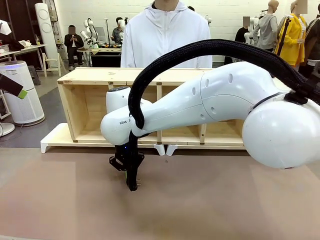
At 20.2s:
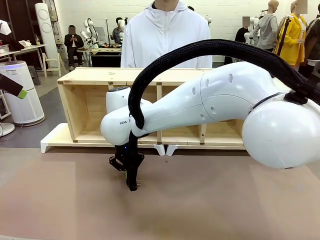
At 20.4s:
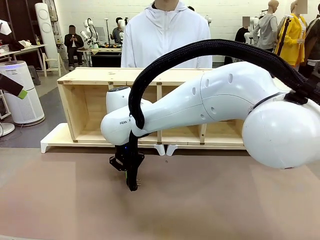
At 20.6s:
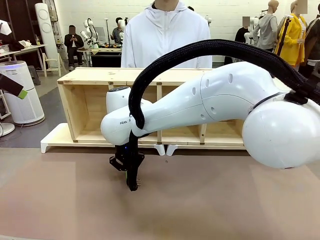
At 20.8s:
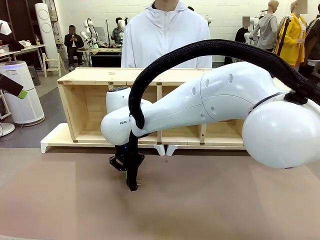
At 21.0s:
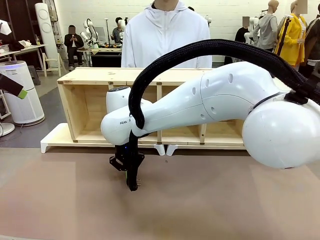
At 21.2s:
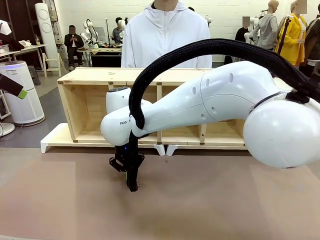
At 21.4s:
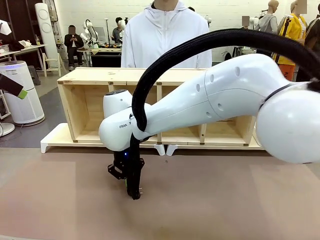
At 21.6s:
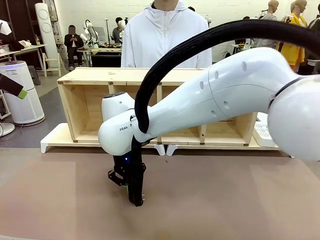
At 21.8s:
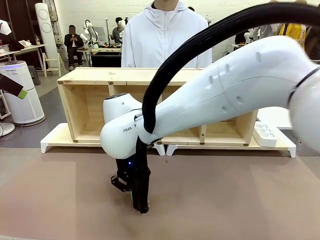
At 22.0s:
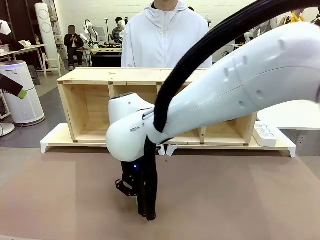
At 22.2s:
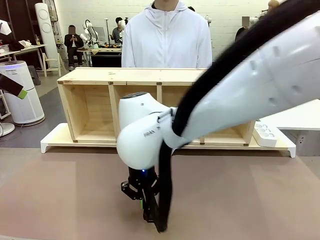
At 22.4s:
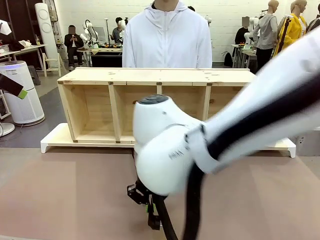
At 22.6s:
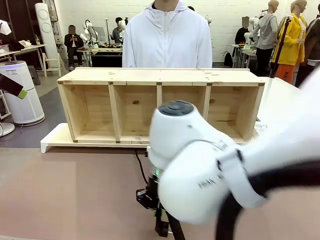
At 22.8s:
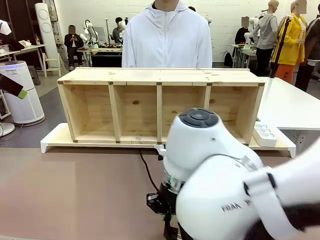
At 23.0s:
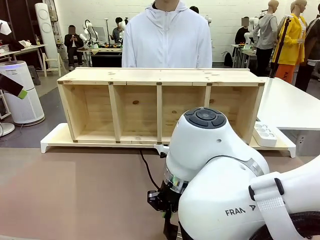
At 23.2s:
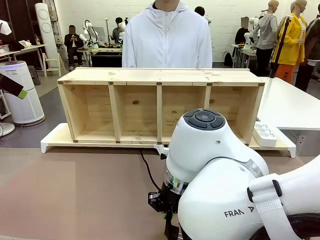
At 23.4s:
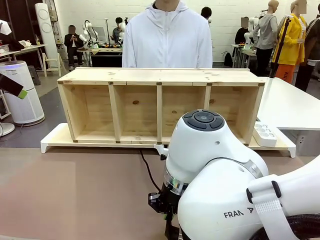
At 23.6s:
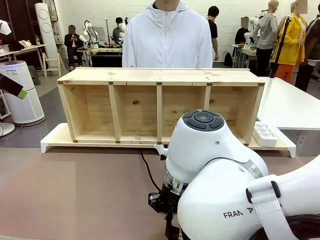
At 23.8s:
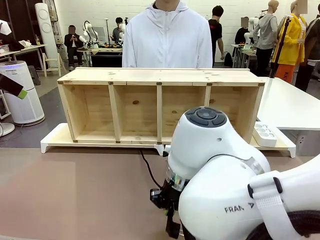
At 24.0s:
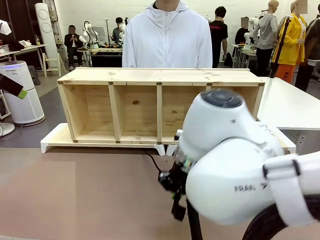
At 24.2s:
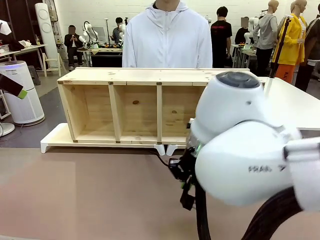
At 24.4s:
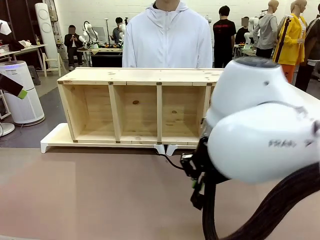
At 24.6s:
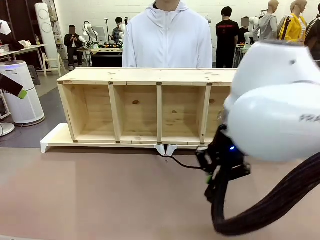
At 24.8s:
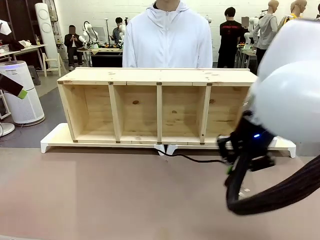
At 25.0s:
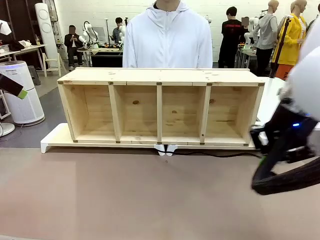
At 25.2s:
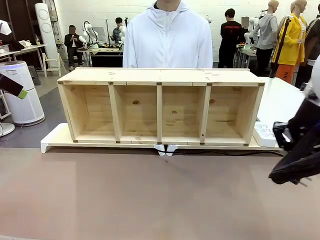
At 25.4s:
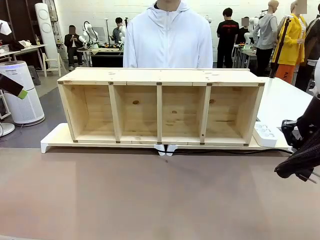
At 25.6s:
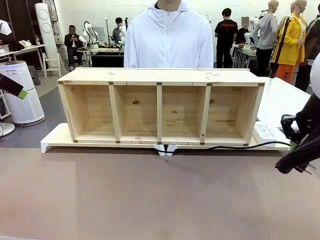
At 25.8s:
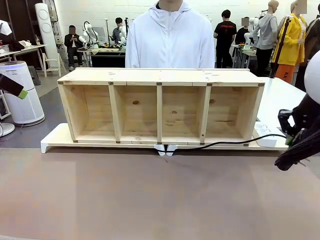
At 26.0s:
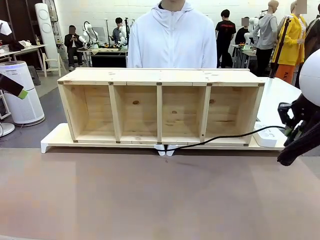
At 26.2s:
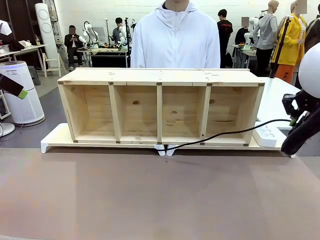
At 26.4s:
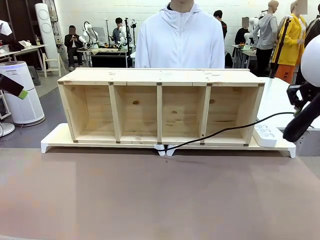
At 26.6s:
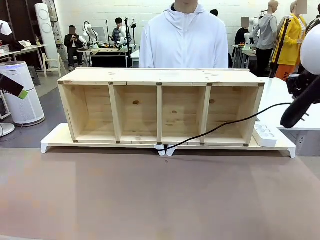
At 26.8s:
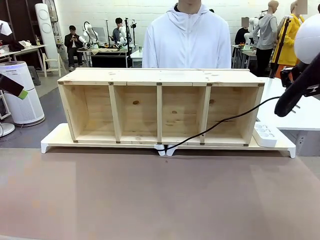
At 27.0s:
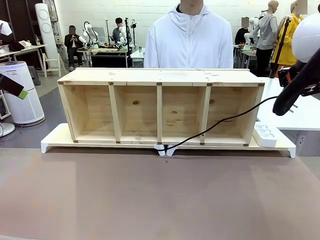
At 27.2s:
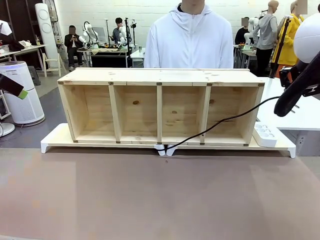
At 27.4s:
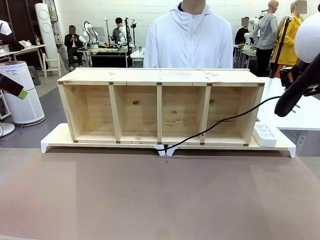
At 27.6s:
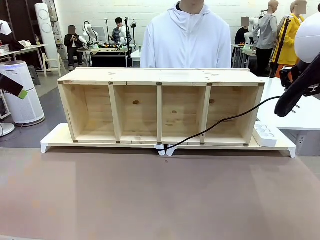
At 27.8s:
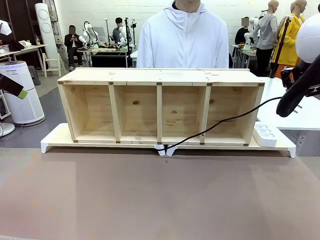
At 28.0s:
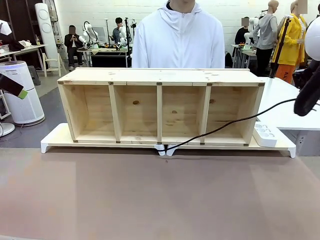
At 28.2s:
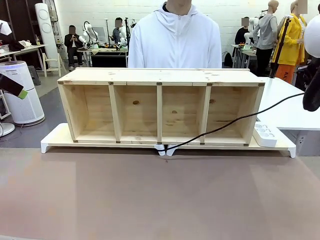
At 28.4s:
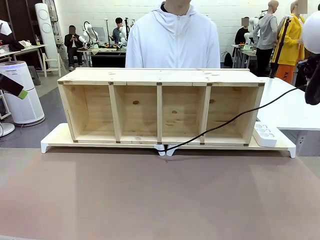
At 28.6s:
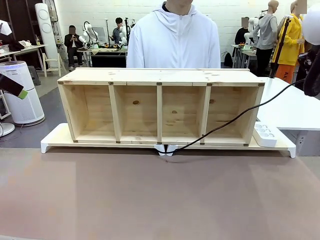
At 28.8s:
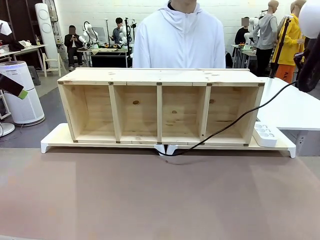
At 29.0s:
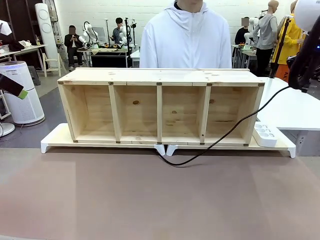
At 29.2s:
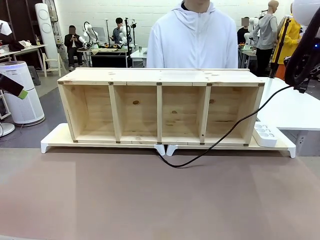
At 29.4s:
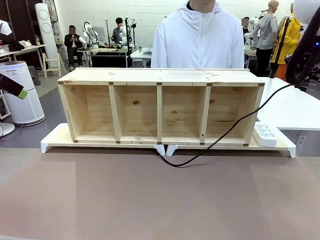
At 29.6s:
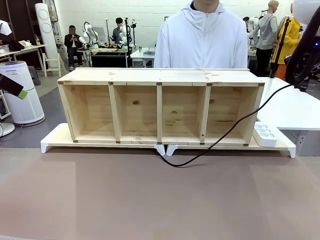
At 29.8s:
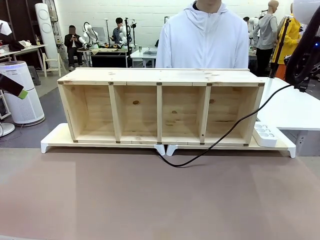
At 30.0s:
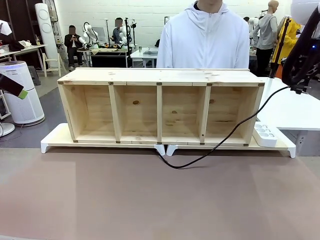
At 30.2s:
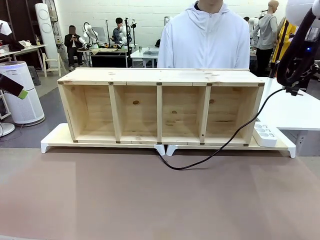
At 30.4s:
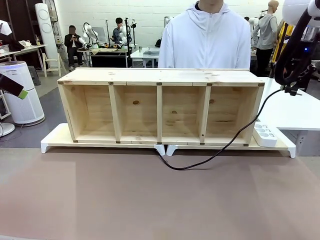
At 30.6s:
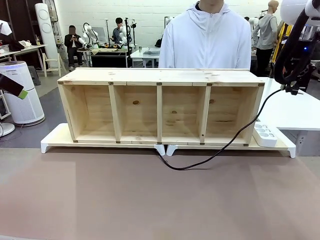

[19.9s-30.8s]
Task: Perform cable management.
Robot: Pull the grasped Power Cable to the location of the Power Strip.

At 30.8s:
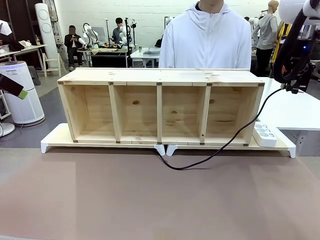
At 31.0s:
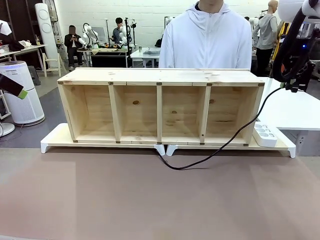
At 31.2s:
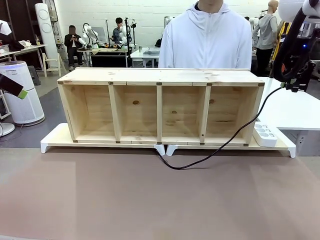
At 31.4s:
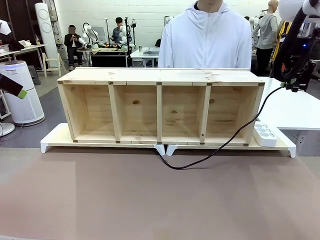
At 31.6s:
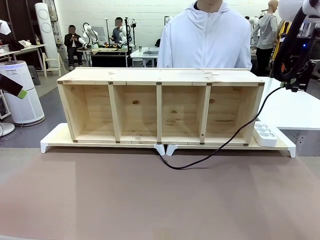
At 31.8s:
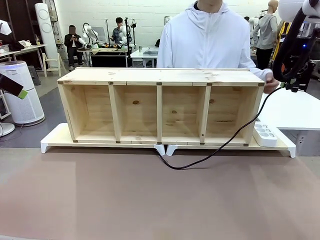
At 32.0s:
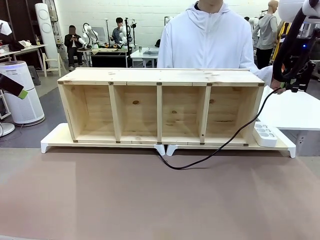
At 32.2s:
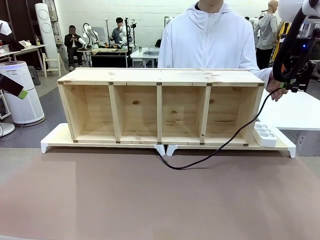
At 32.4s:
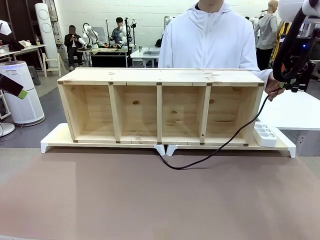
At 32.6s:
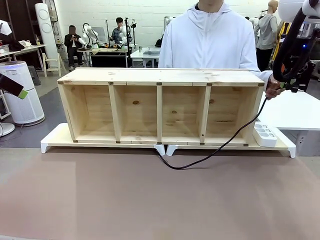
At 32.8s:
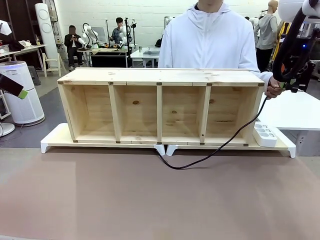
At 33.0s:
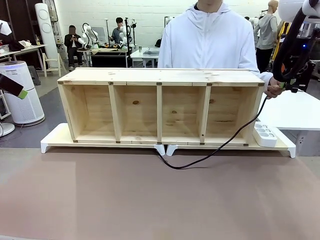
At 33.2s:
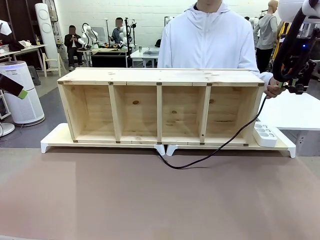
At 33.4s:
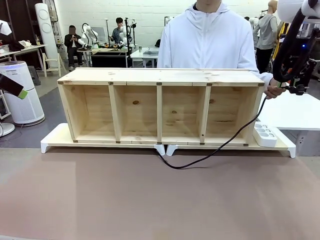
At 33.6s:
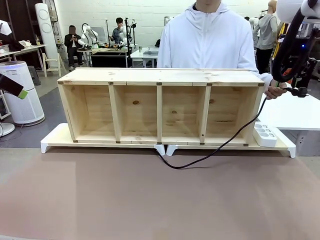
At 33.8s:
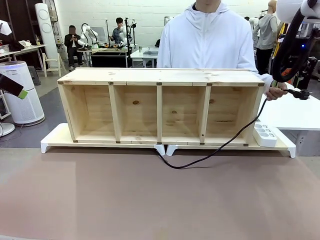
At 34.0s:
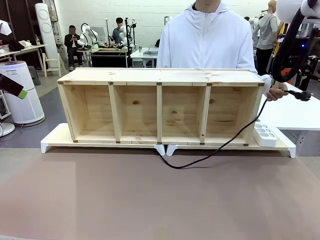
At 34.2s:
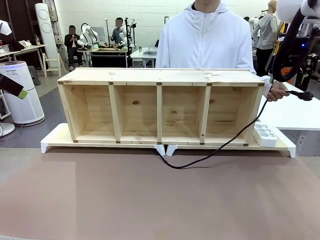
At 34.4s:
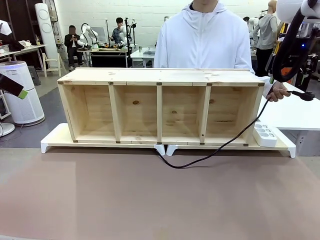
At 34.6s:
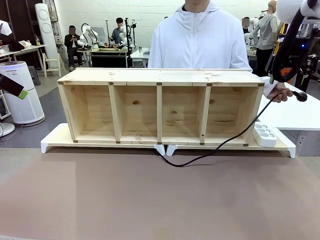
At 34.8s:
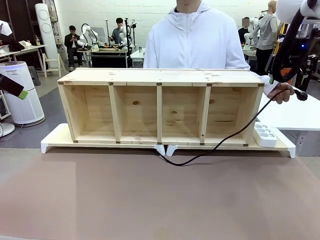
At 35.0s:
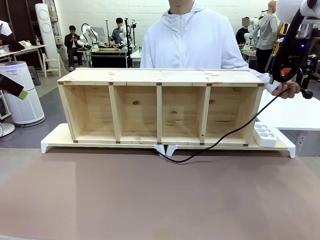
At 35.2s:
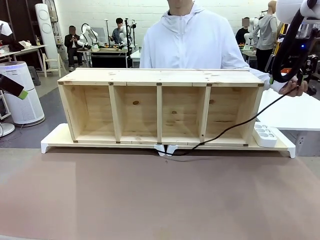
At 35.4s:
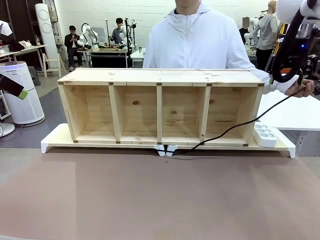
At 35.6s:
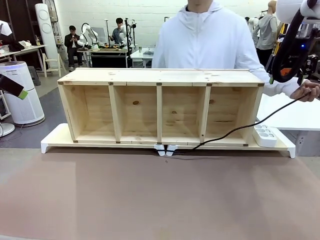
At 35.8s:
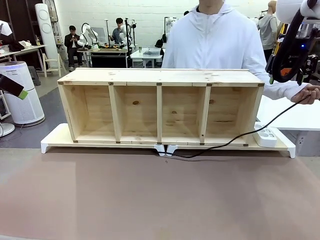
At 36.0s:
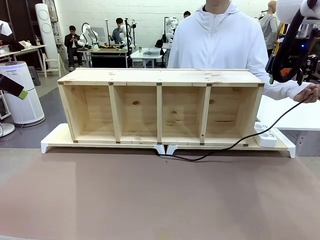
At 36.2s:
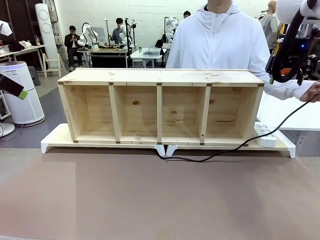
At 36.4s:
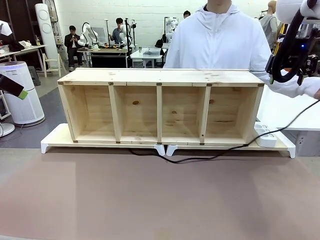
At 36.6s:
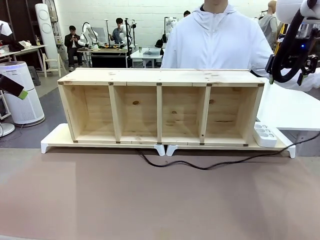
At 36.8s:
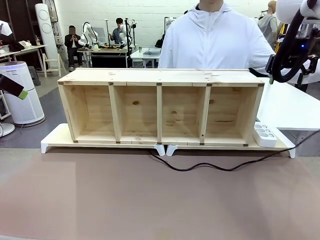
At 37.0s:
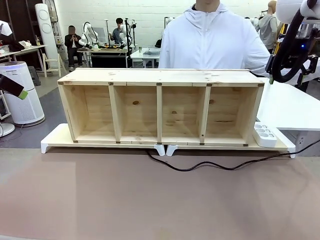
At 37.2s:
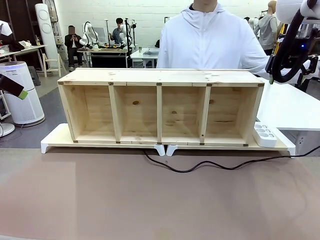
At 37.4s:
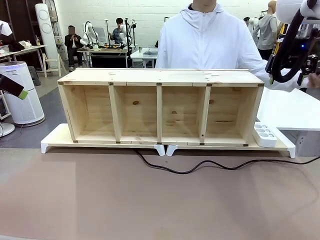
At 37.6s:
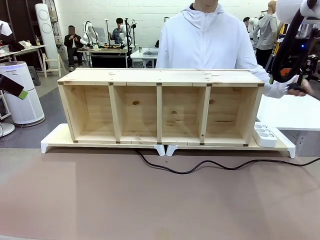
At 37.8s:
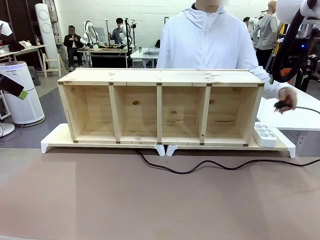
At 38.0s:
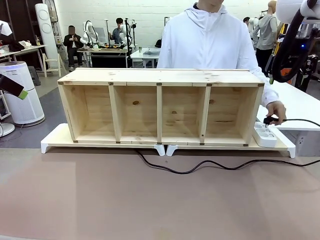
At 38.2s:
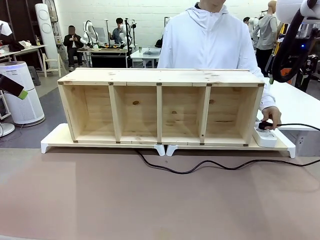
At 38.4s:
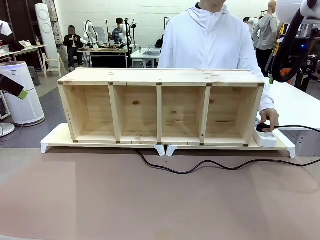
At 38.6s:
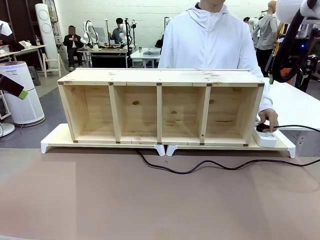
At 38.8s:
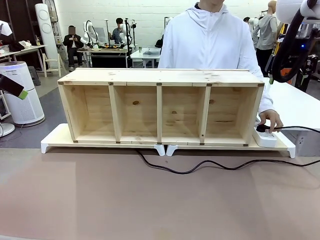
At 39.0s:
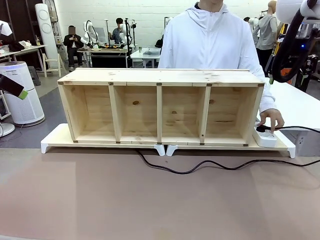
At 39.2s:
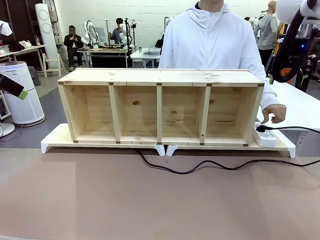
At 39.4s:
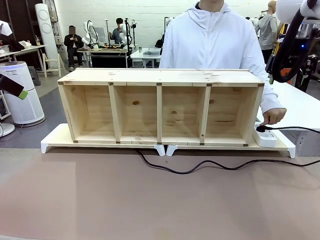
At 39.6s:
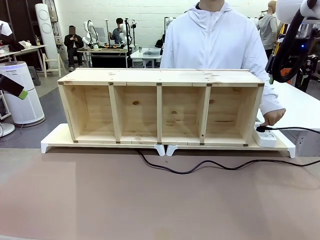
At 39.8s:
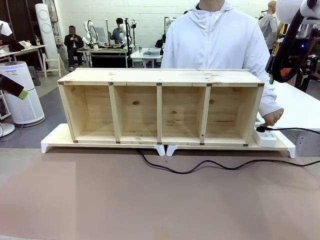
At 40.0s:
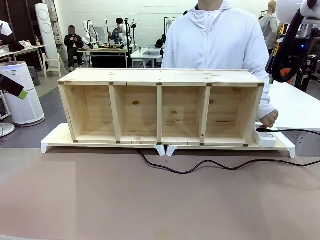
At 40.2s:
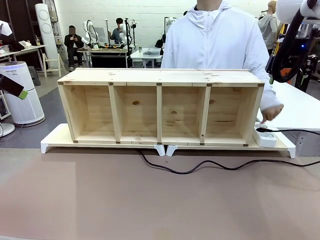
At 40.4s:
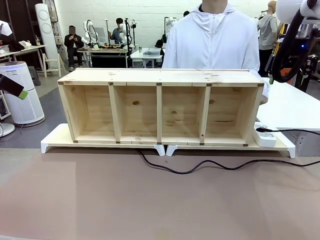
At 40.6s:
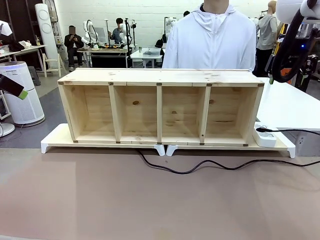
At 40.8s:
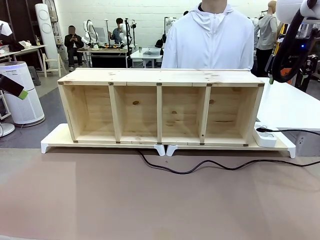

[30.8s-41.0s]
Robot: Release the Power Cable when the human grasps it.
Person: Plug the Power Cable into the Power Strip.
